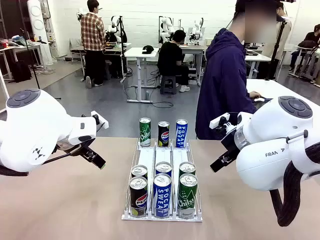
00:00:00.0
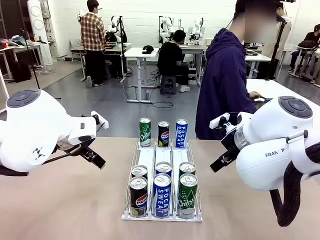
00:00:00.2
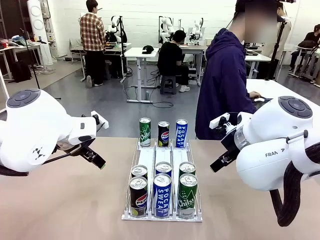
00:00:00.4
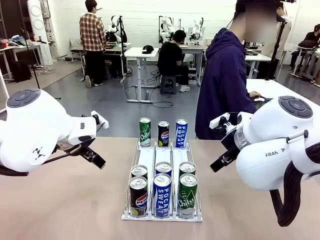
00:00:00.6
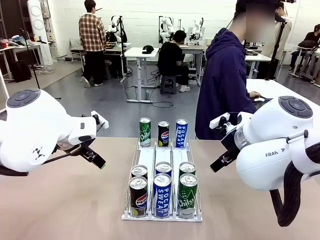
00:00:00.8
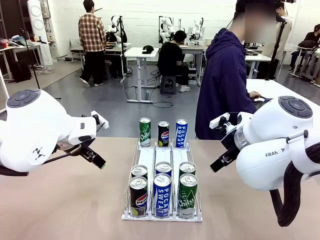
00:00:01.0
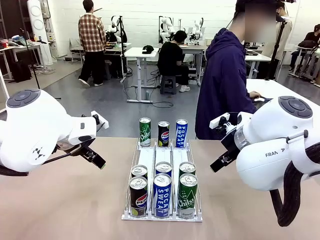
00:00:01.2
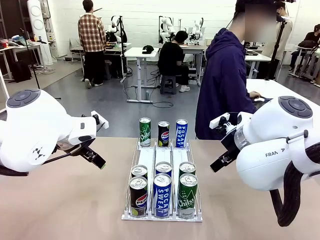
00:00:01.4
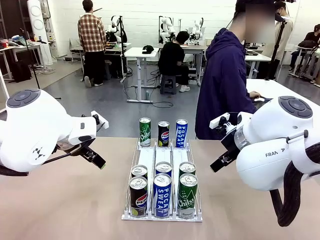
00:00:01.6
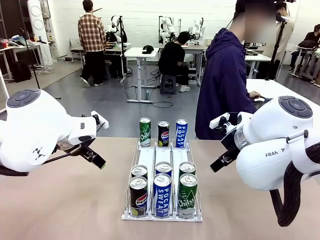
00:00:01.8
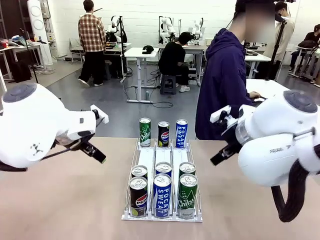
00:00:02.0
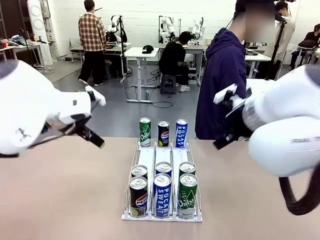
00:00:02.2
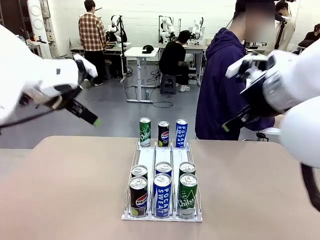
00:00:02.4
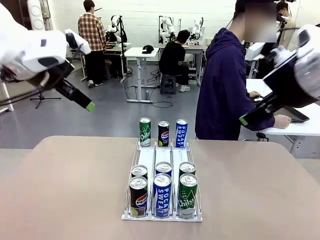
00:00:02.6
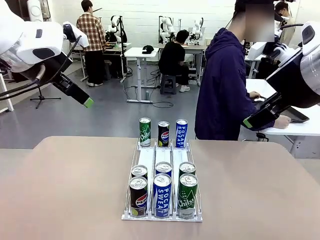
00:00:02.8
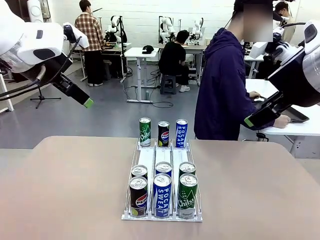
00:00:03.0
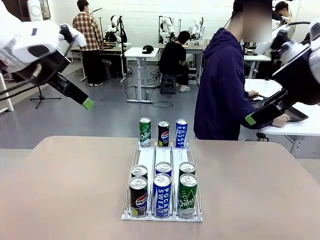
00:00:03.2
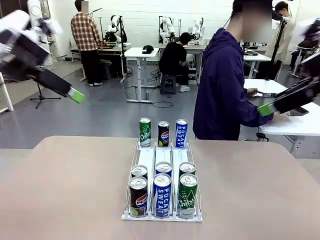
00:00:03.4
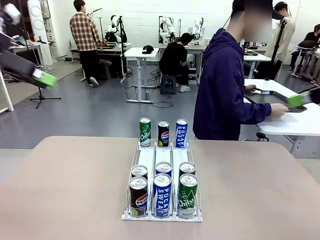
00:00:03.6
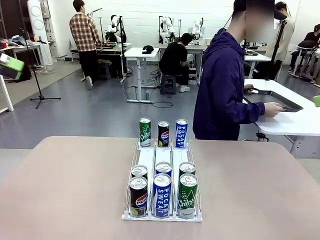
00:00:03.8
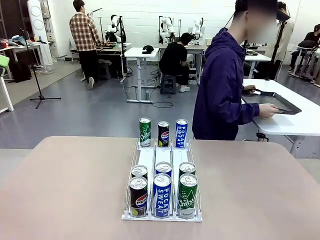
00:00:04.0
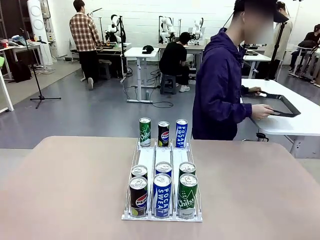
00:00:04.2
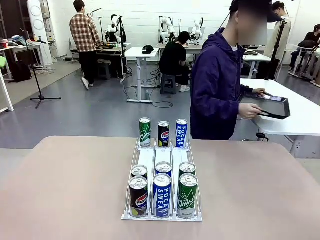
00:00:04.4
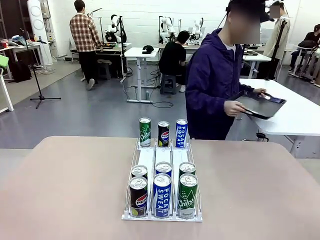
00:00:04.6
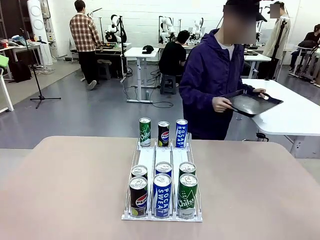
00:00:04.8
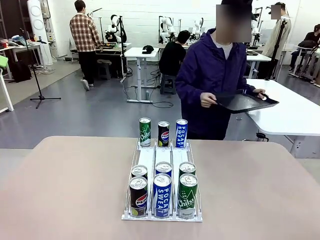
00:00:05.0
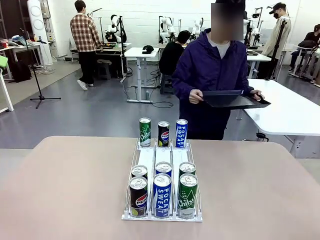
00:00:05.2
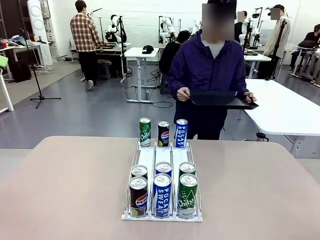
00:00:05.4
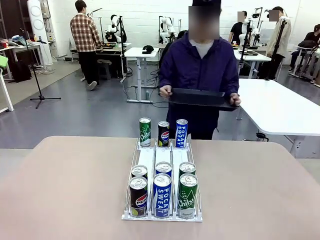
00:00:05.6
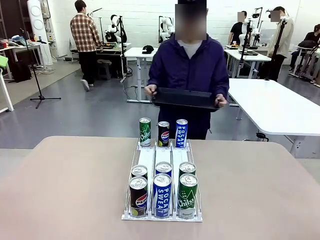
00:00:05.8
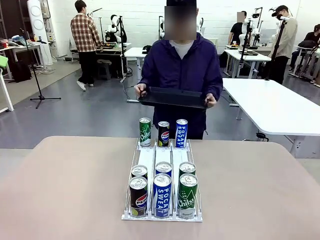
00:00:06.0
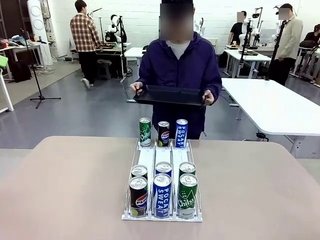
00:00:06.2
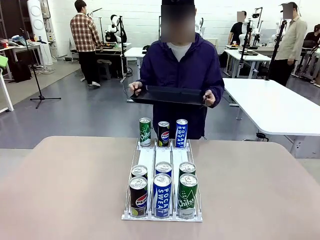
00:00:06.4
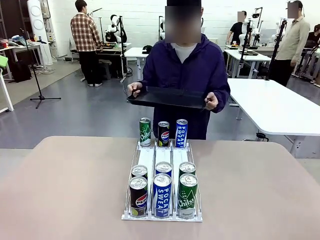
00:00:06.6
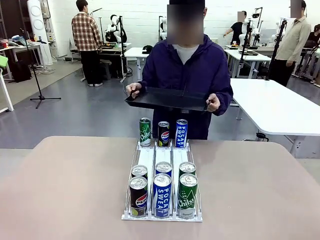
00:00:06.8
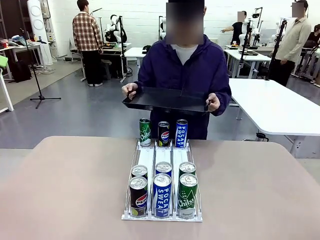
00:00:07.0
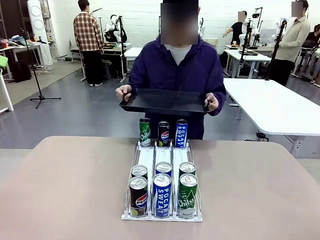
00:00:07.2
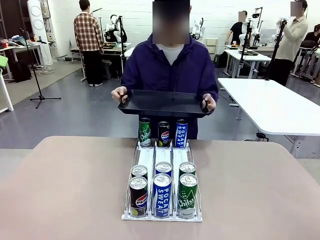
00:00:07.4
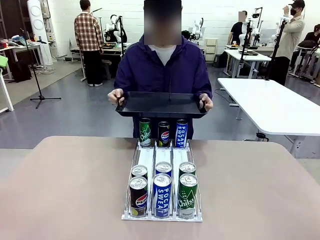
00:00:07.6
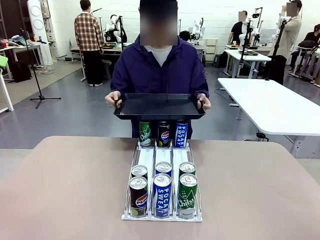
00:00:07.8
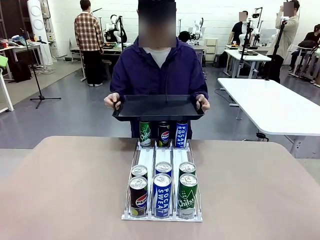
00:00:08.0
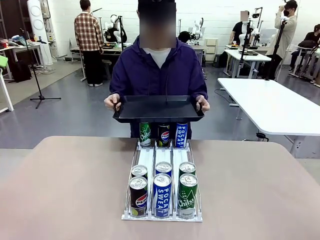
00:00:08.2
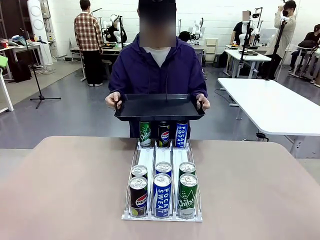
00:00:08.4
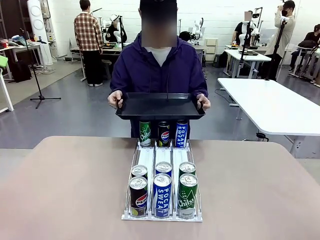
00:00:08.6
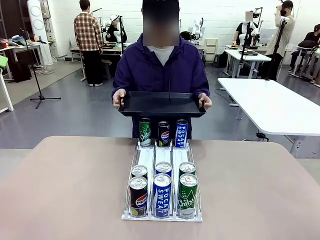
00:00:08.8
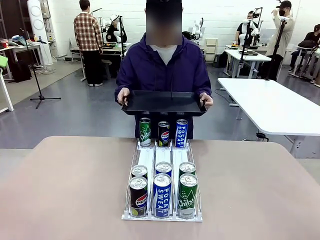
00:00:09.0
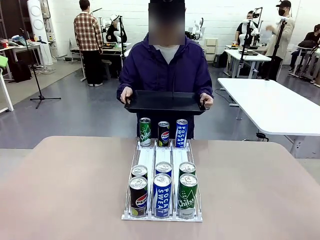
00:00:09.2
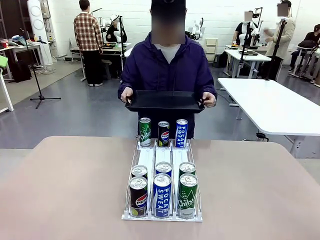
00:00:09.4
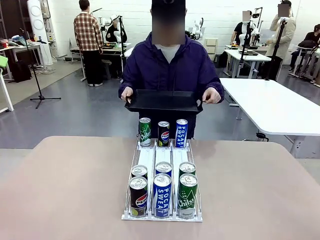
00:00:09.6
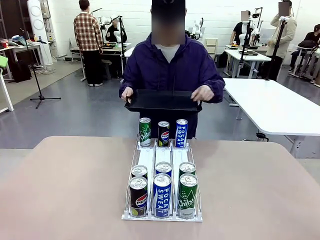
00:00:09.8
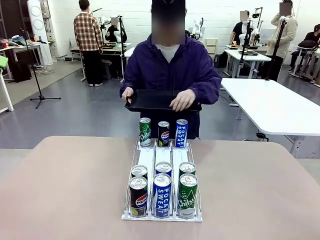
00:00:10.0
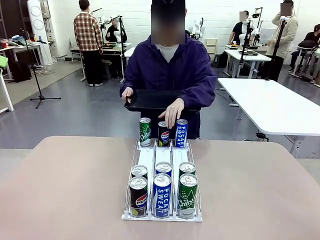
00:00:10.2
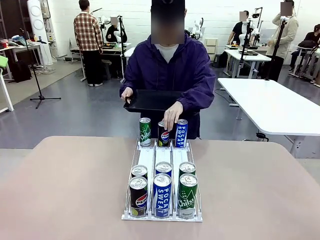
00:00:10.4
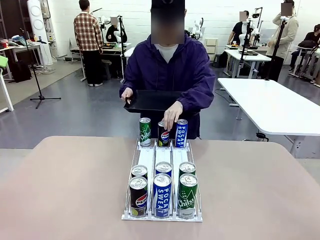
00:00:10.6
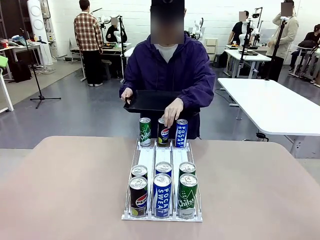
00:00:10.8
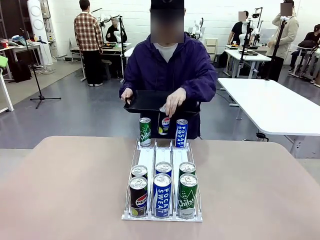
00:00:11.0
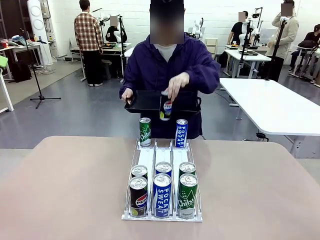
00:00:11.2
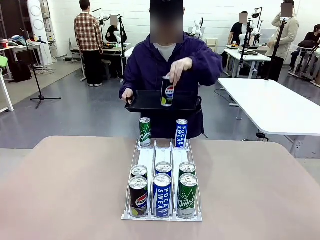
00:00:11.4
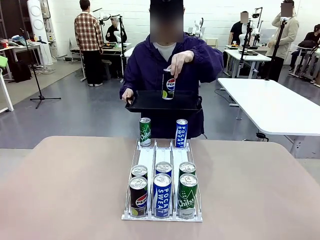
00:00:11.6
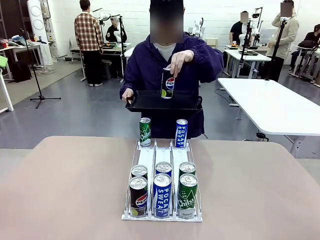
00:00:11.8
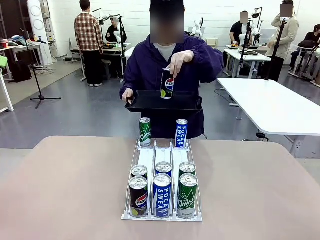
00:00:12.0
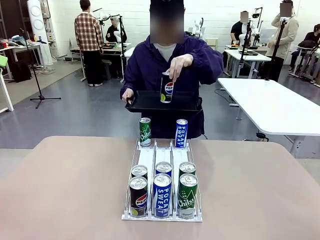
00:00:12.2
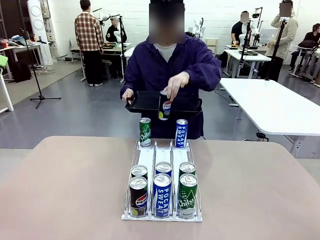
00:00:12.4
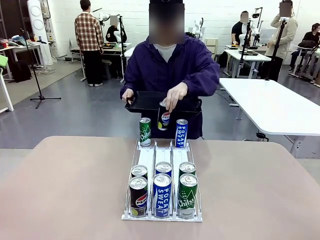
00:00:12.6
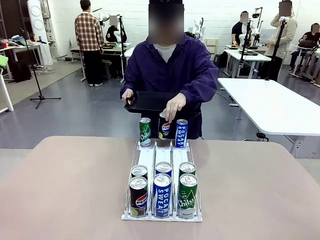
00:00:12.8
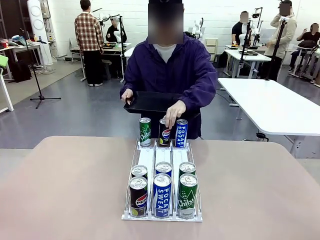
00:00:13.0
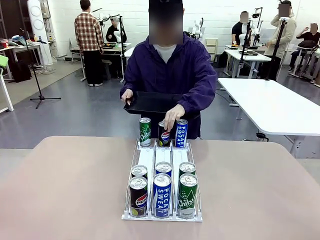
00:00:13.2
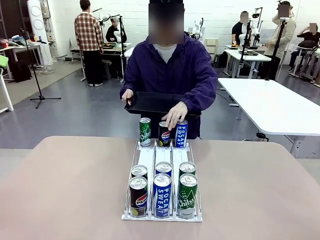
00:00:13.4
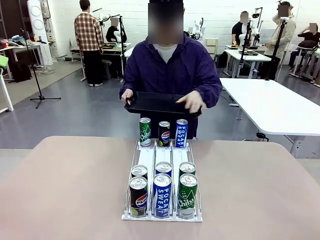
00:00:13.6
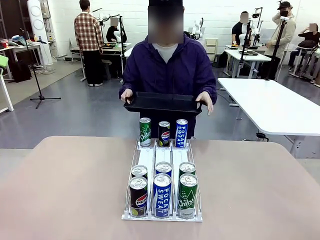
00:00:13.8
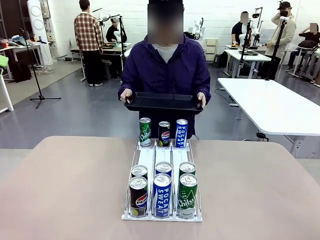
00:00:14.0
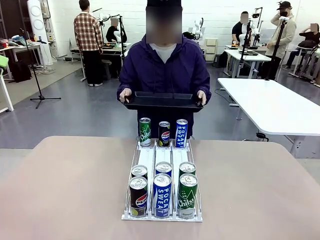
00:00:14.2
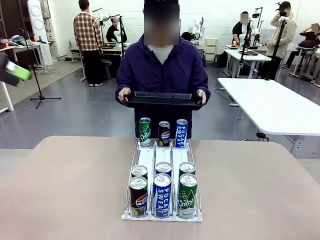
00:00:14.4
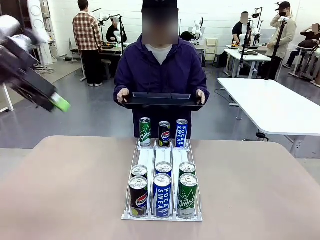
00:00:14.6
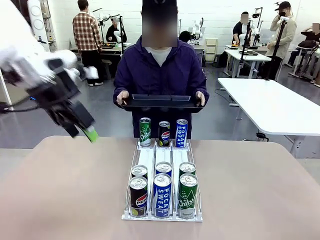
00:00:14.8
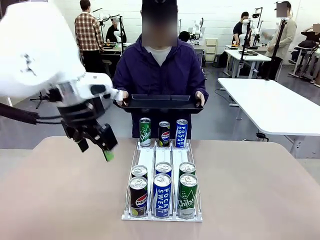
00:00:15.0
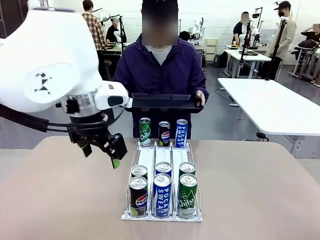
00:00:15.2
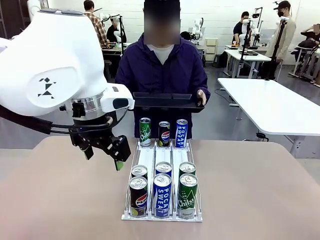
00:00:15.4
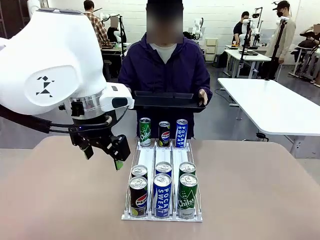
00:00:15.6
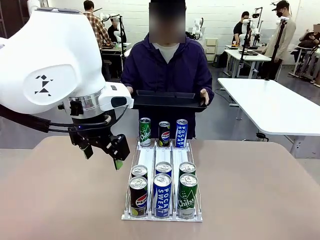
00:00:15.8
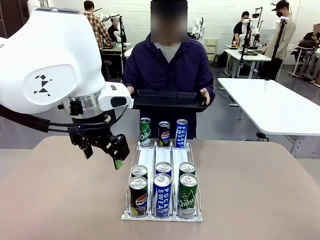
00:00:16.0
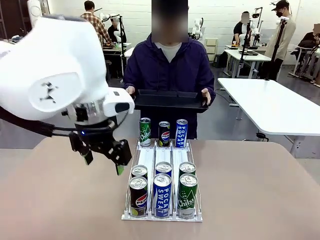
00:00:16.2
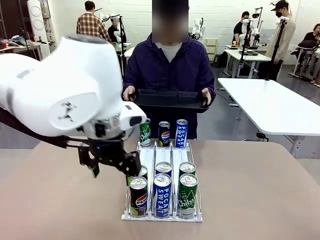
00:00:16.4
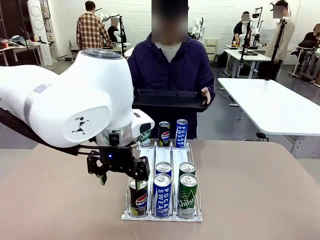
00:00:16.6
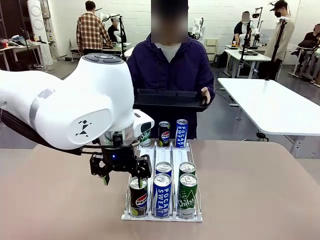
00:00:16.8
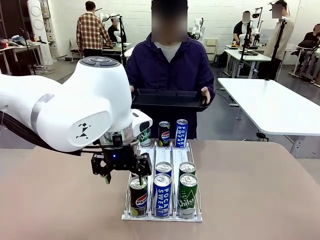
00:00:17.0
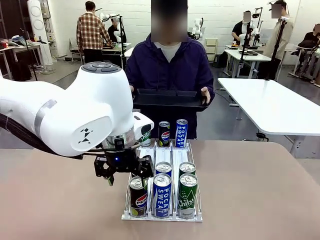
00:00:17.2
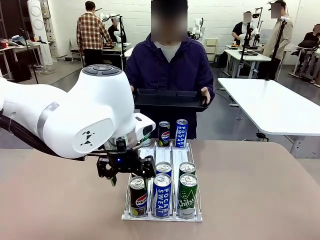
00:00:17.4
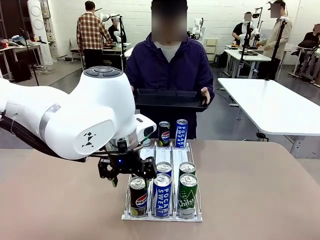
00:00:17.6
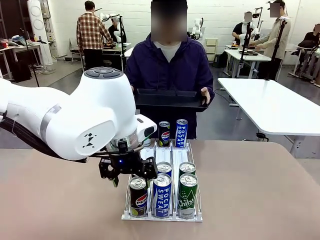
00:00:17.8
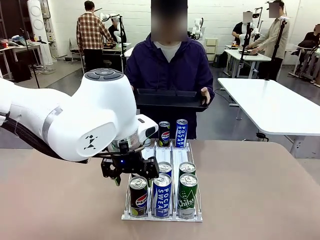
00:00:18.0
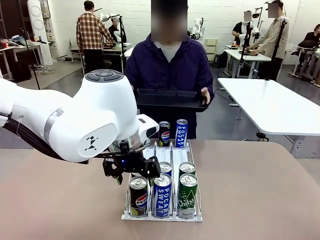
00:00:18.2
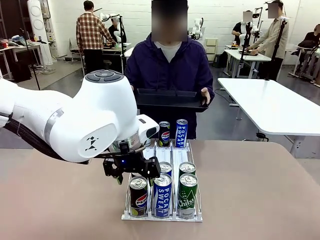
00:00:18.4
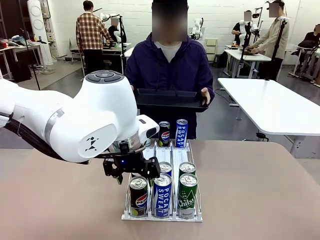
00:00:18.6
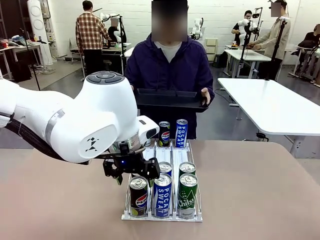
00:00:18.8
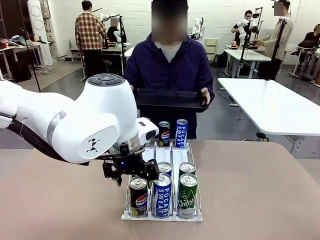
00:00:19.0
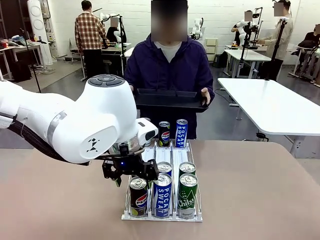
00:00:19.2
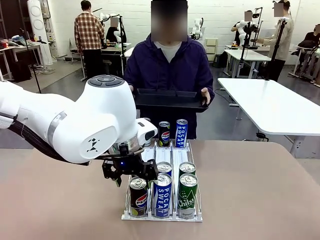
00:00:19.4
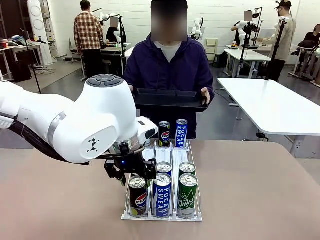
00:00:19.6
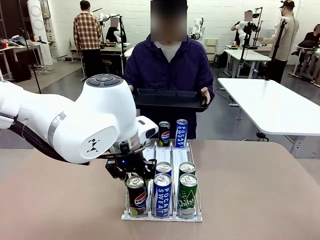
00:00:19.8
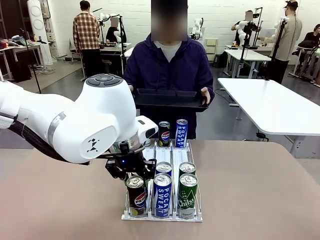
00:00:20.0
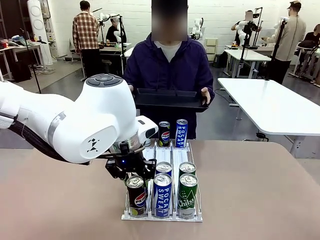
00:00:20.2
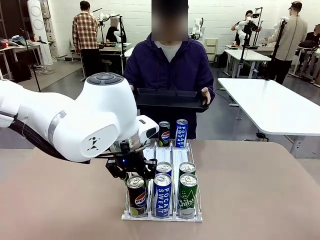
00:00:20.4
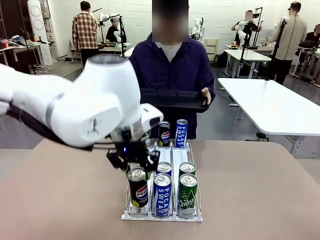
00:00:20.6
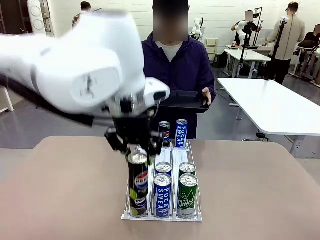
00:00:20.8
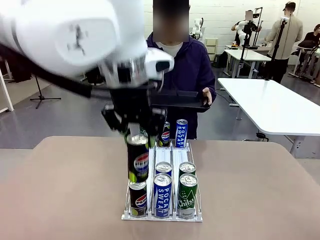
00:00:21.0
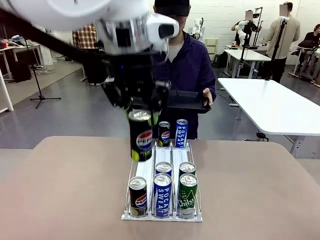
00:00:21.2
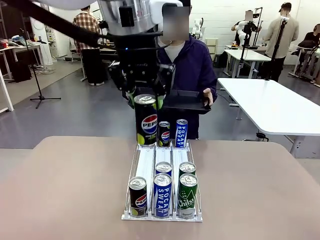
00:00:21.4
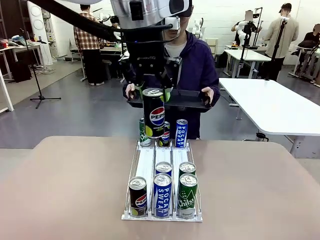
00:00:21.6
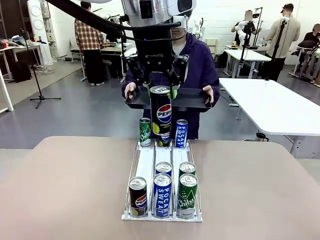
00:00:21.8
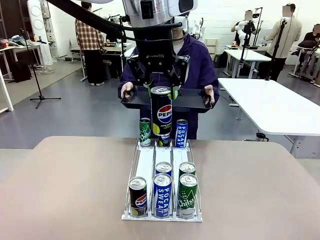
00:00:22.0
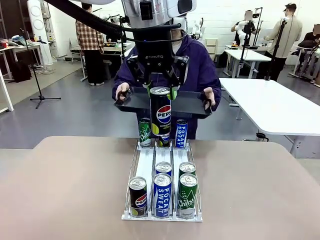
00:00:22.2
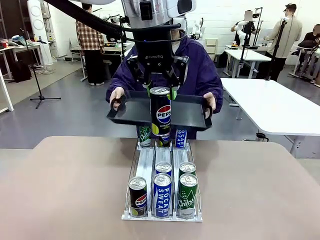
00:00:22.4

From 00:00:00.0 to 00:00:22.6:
Task: Retrieve and hand over the desired beverage to the person.
Robot: Pick up a can of the same type that the person held from the Automatic Can Dispenser.
Person: Hold the tray and position yourself in front of the robot table. Pick up one can from the bottom area of the table and puts it back in its original place. Push the tray toward the robot.
